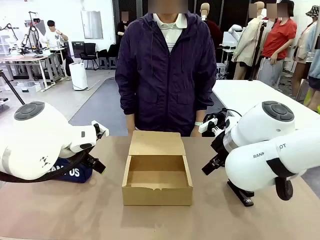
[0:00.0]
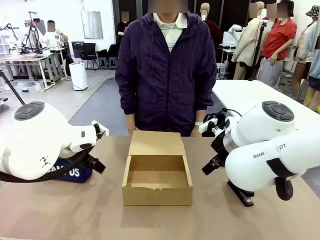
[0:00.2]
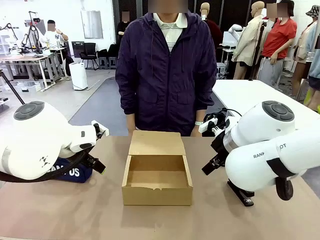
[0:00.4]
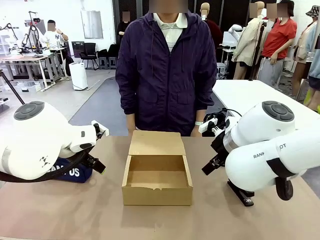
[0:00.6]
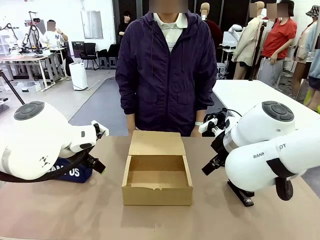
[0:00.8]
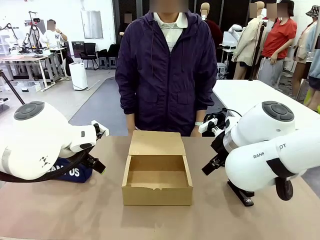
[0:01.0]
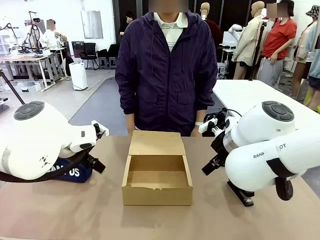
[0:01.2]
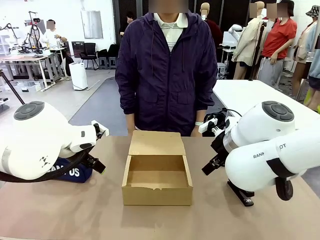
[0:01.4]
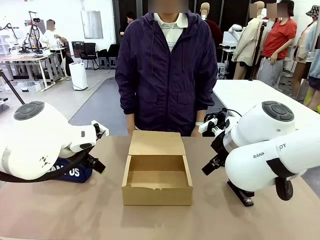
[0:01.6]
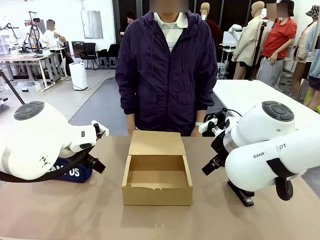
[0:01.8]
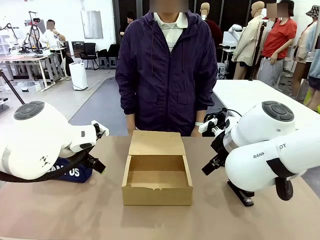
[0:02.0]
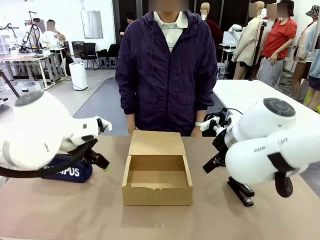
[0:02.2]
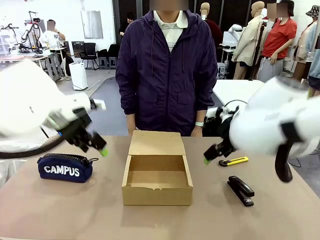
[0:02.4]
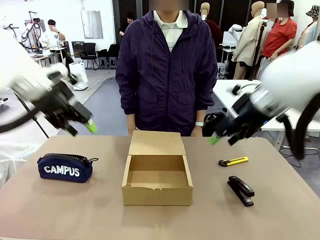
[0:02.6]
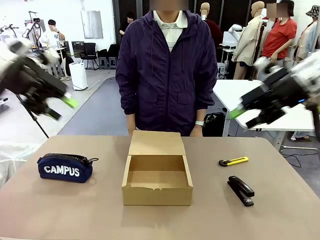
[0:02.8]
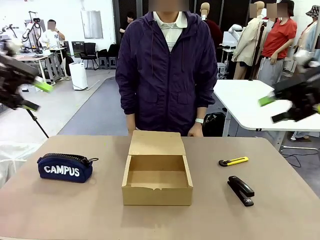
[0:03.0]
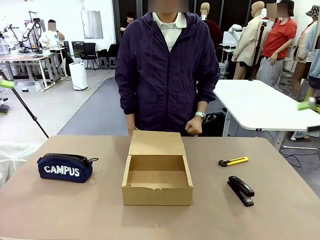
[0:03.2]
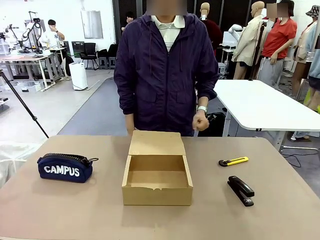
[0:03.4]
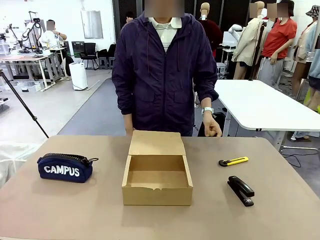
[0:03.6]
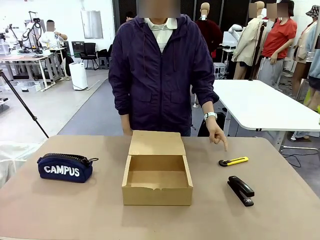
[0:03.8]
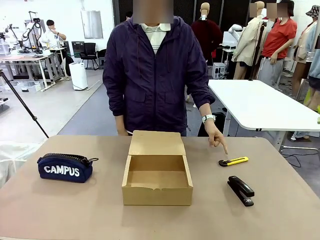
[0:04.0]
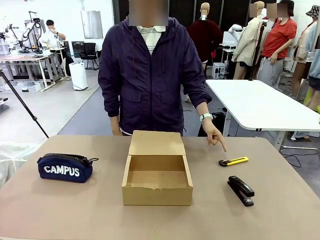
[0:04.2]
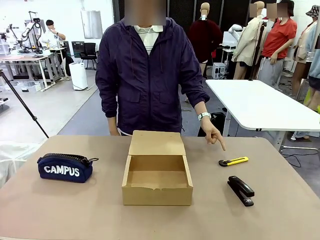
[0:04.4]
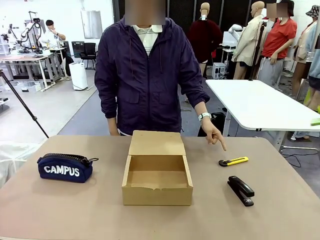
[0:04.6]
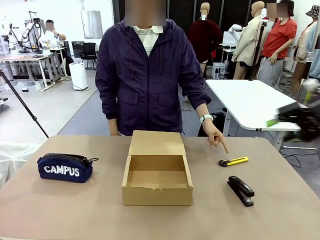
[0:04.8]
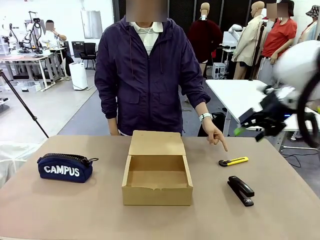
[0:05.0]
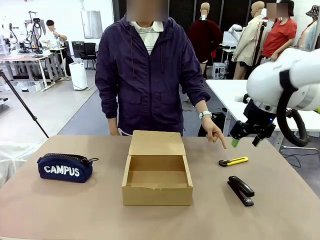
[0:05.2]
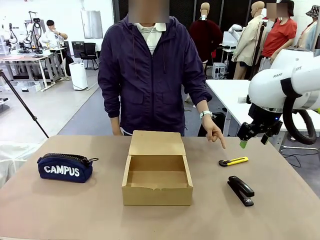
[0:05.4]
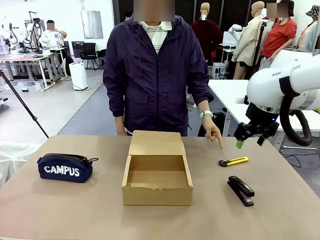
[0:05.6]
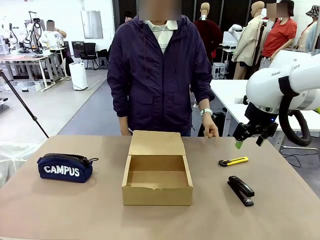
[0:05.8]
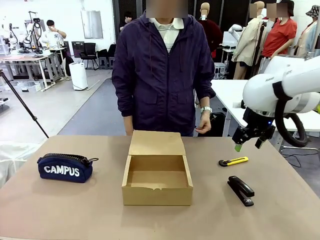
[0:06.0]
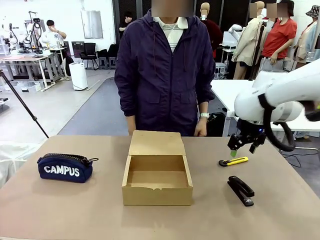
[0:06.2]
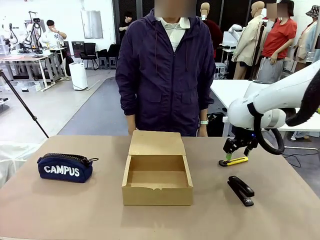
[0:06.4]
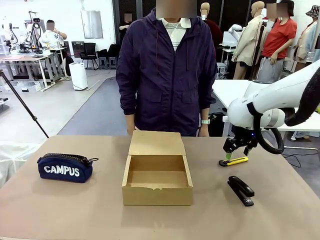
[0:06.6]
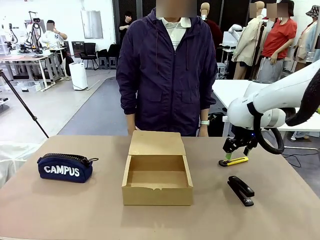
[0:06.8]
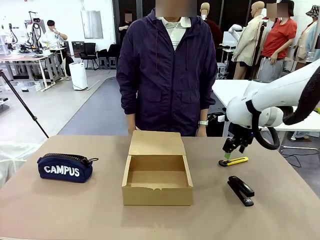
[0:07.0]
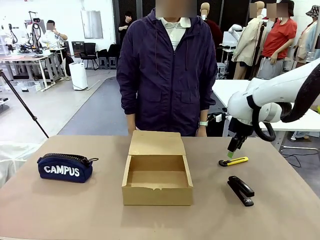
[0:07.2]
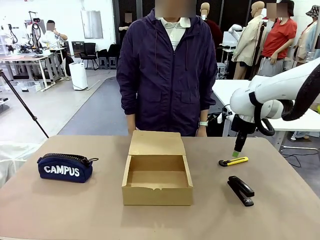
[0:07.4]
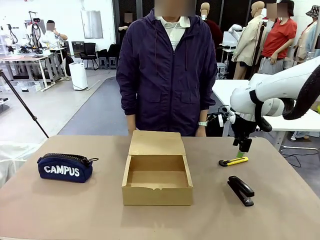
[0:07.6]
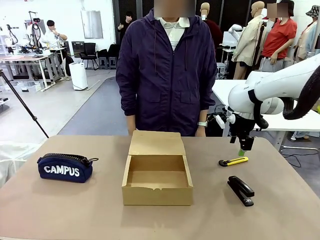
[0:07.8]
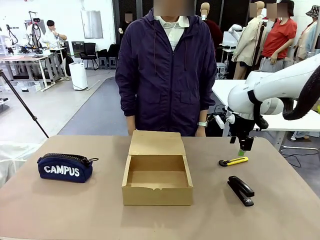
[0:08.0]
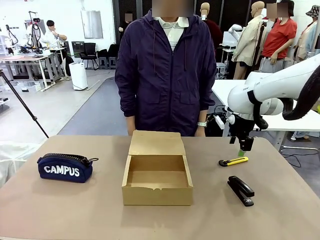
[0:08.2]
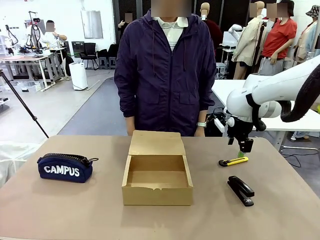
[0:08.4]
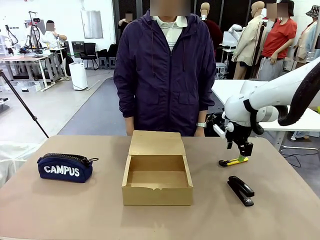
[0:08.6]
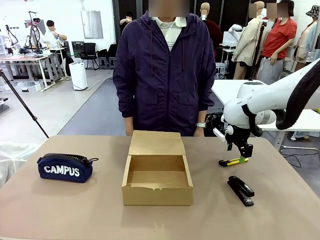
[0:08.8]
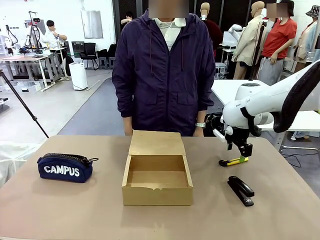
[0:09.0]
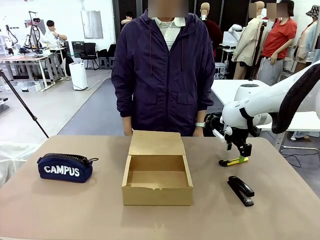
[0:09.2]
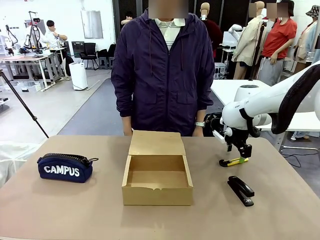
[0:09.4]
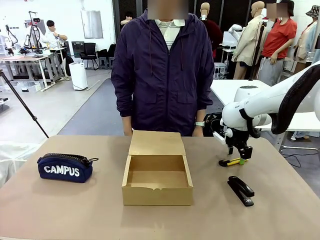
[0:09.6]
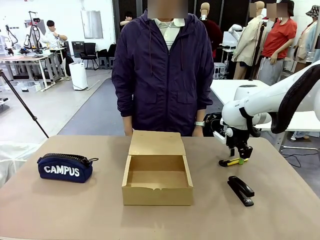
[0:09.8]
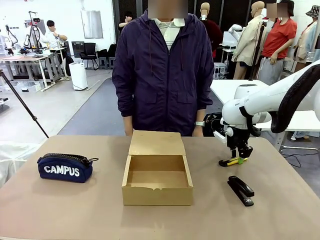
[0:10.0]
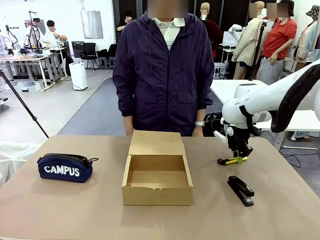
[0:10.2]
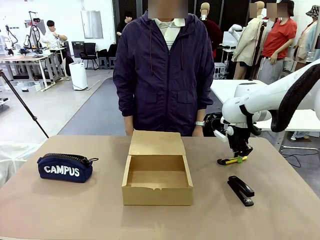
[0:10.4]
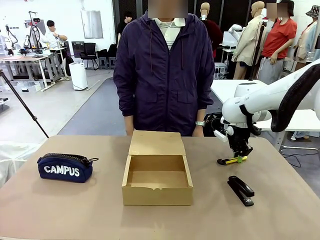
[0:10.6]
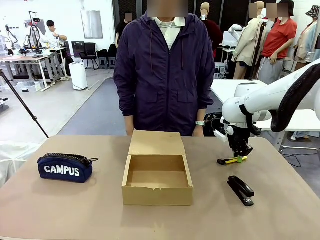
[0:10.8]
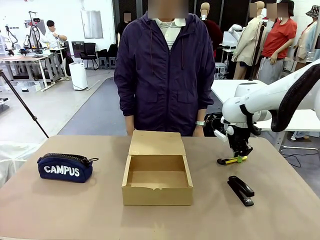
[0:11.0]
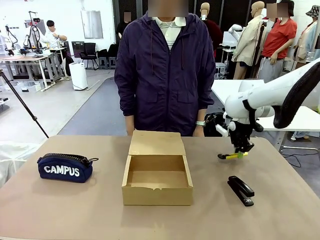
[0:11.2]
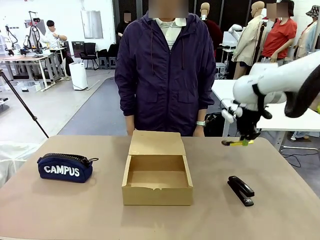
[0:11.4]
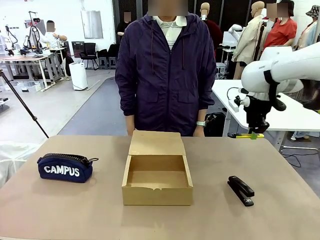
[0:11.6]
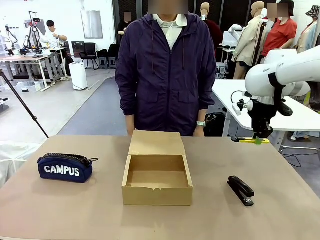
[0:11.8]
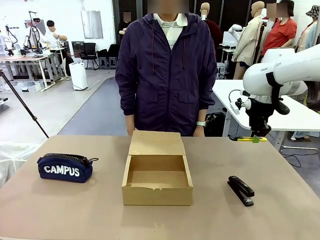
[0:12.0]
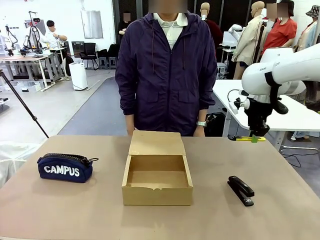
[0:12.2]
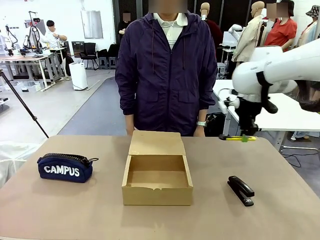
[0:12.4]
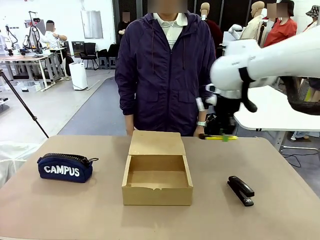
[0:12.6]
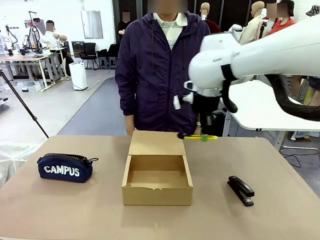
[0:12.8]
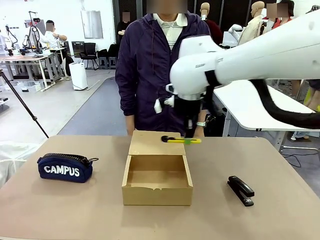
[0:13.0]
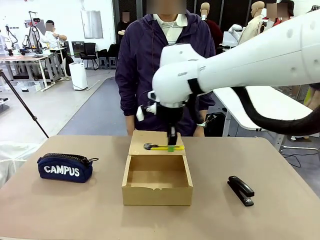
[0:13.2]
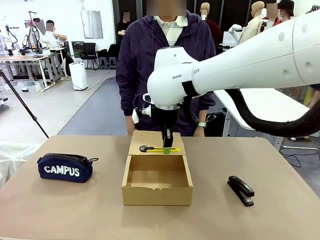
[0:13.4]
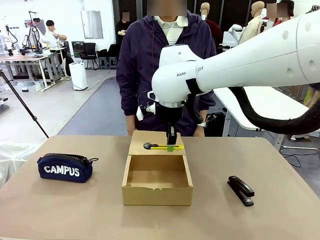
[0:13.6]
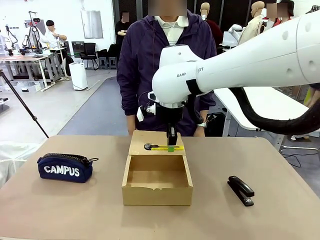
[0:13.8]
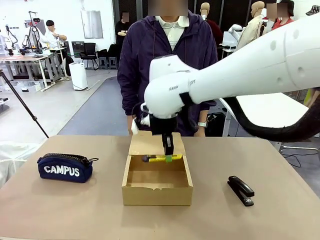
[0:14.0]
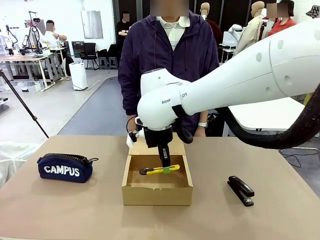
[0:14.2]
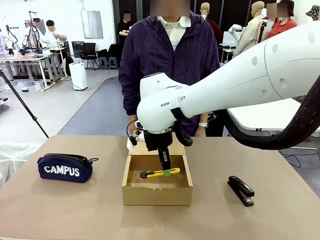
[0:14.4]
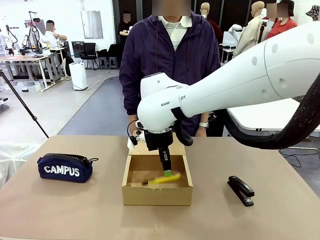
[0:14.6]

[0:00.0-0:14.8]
Task: Pack the items into the box.
Robot: Pick up the item specified by the human and place it in the Mailer Box.
Person: Point at one item on the table (excluding the box).
